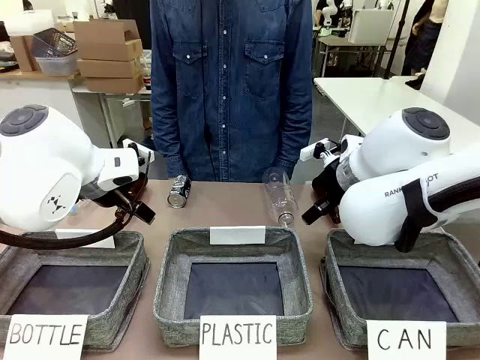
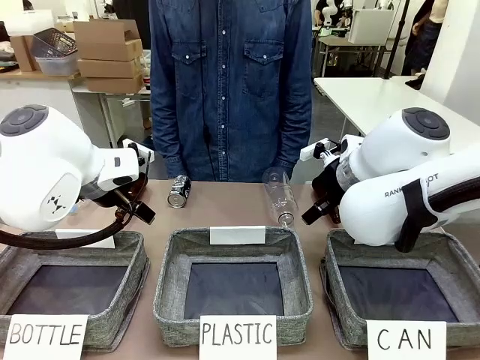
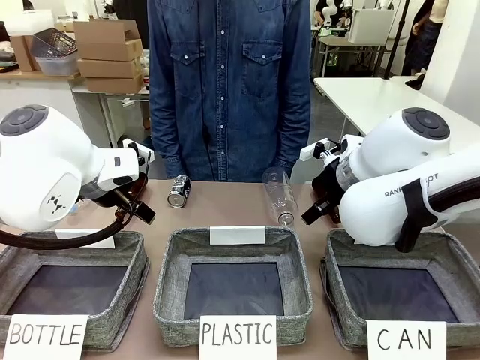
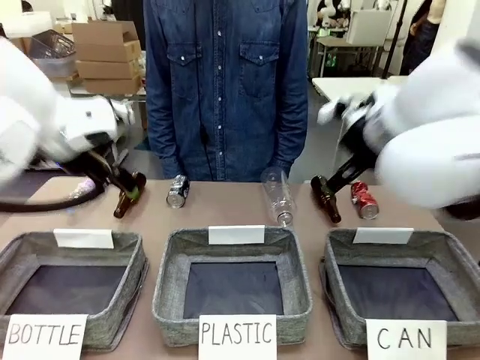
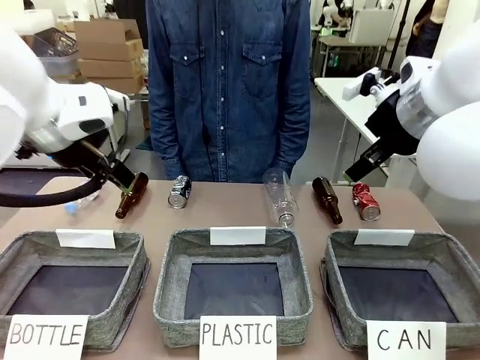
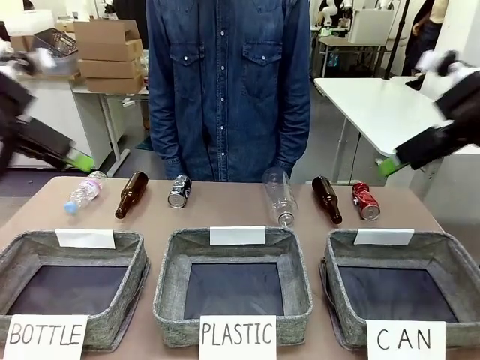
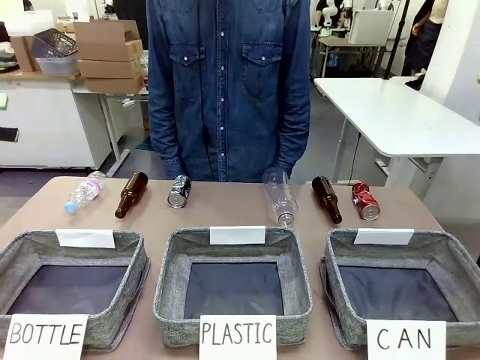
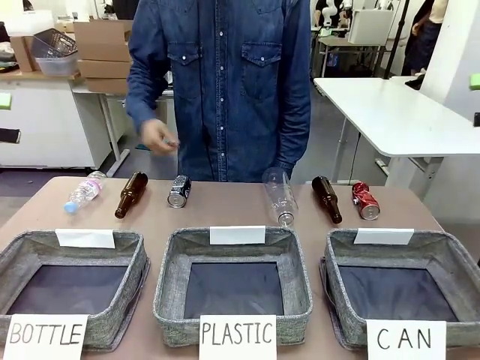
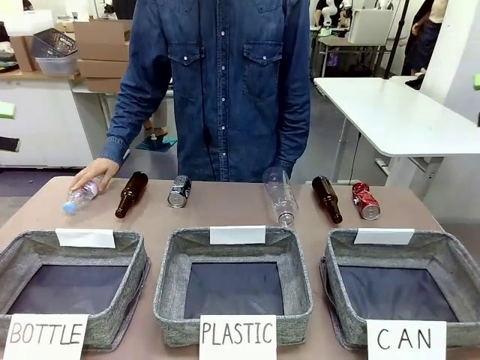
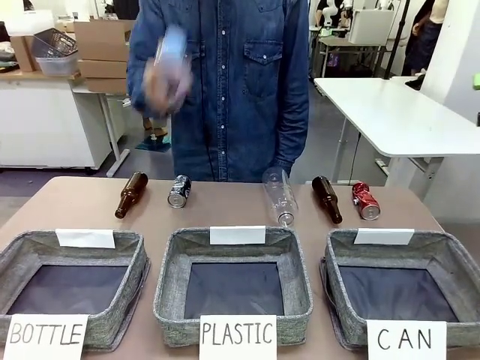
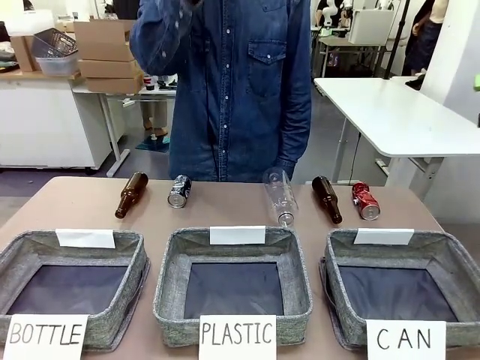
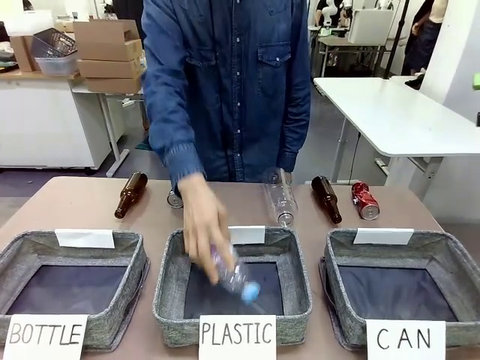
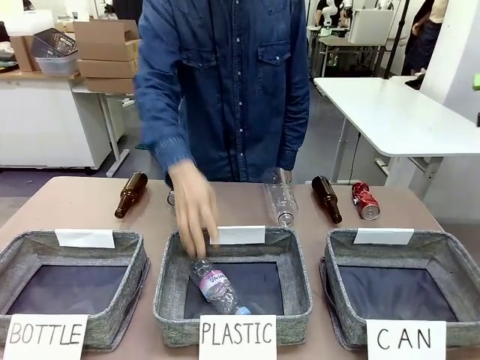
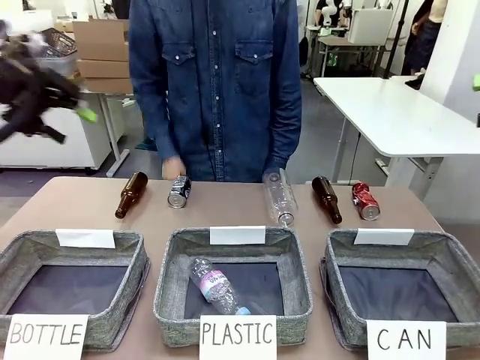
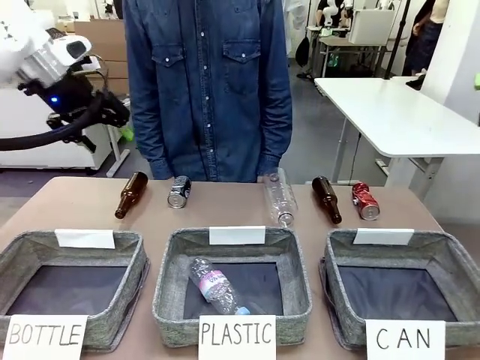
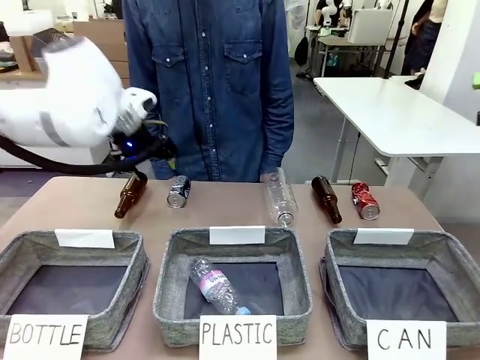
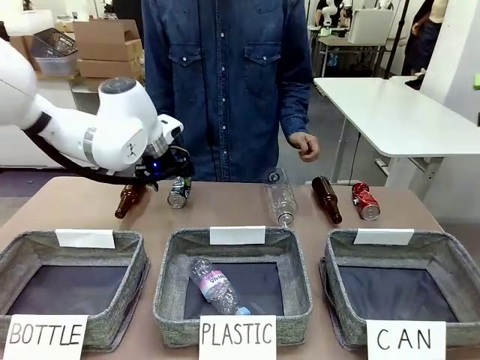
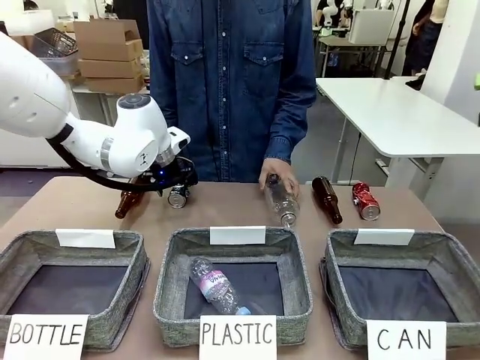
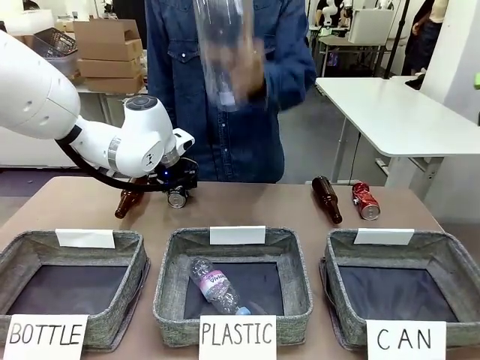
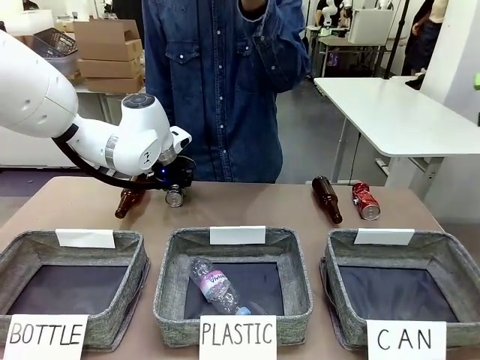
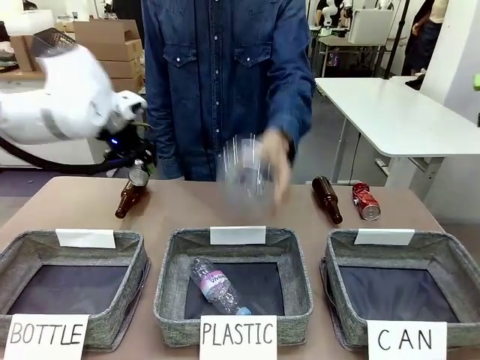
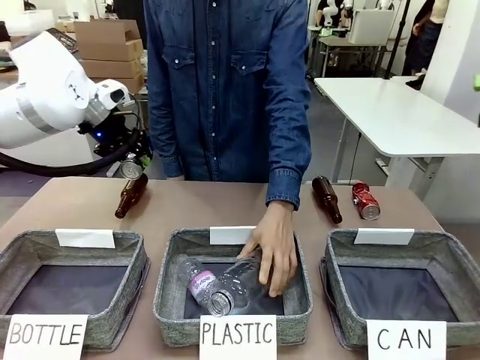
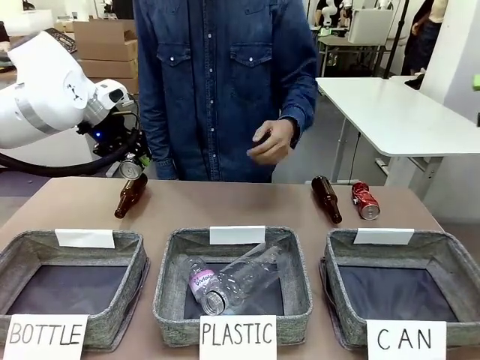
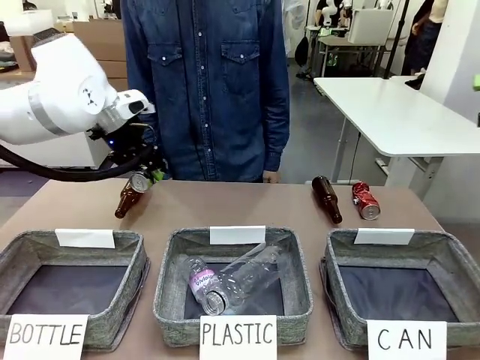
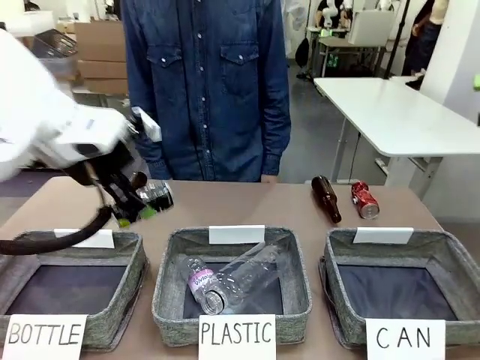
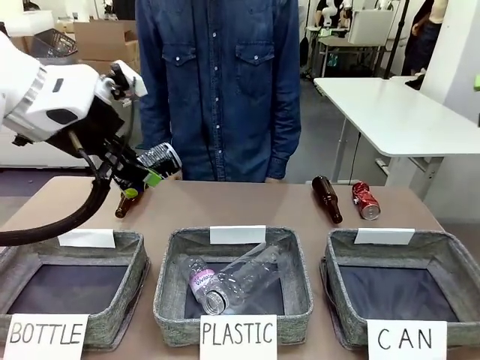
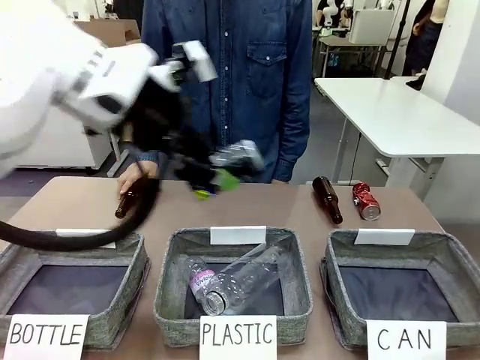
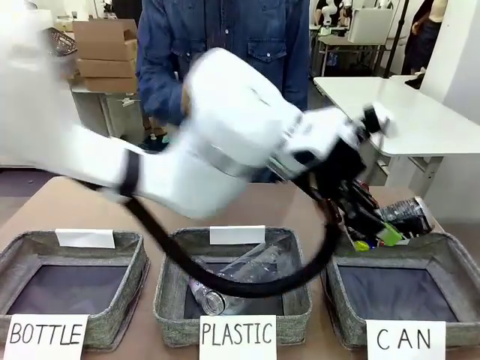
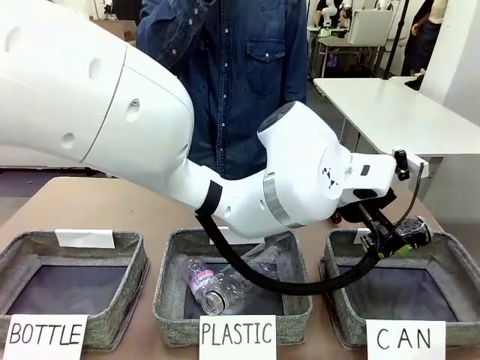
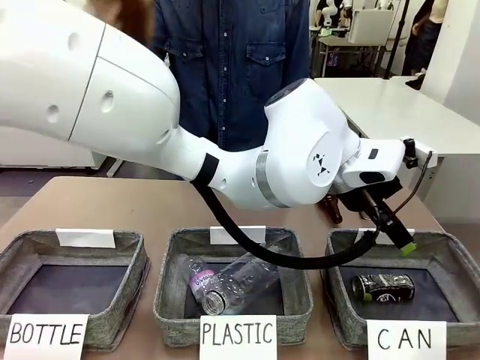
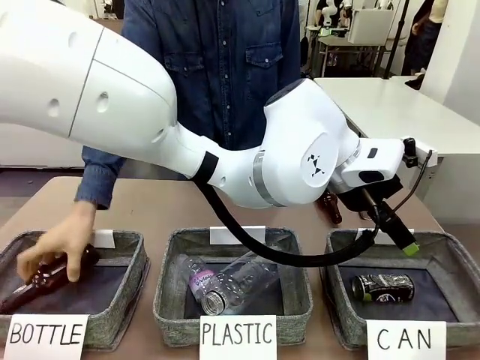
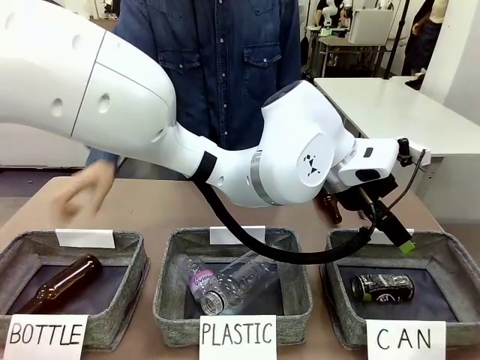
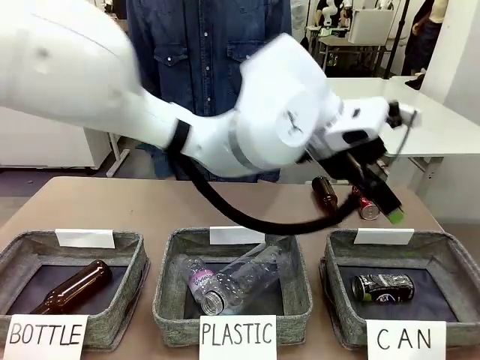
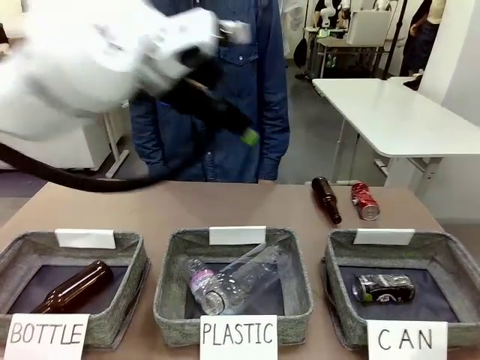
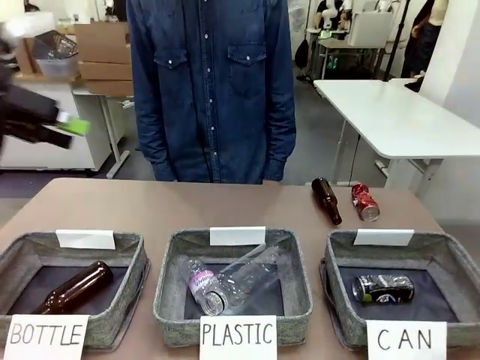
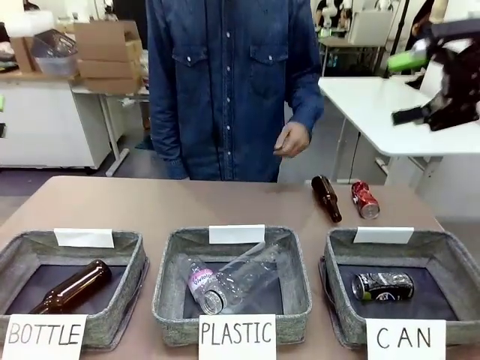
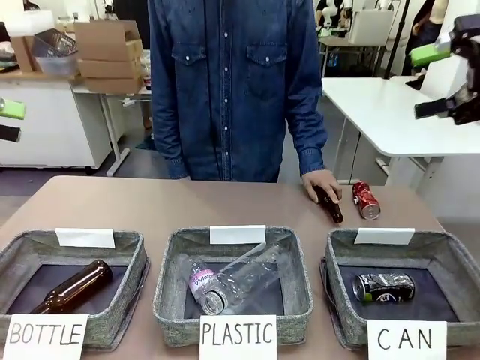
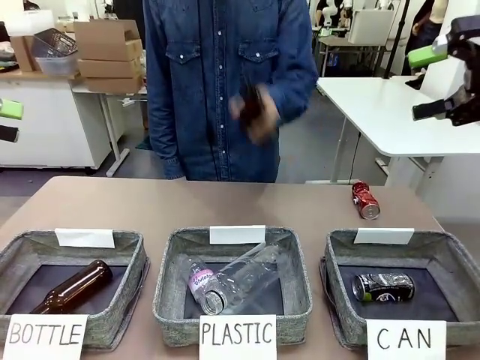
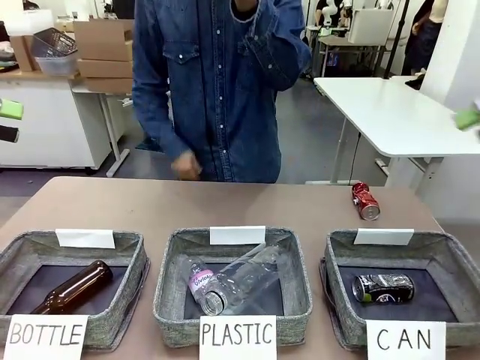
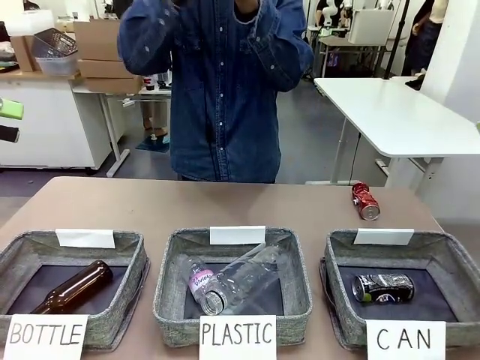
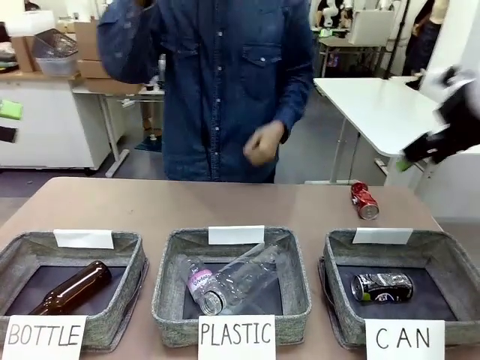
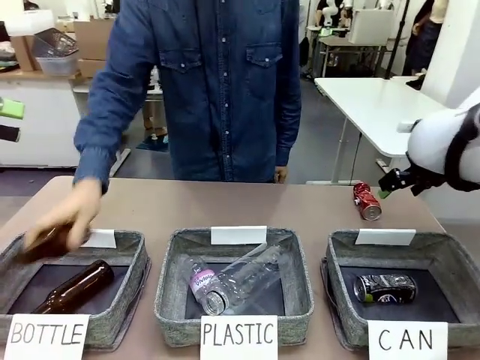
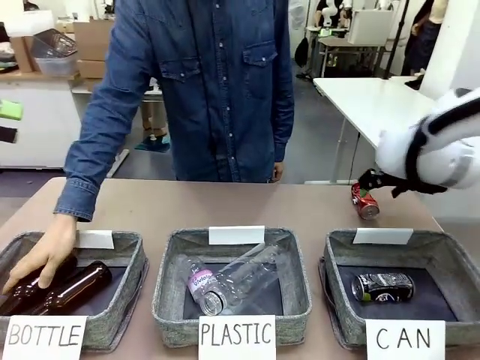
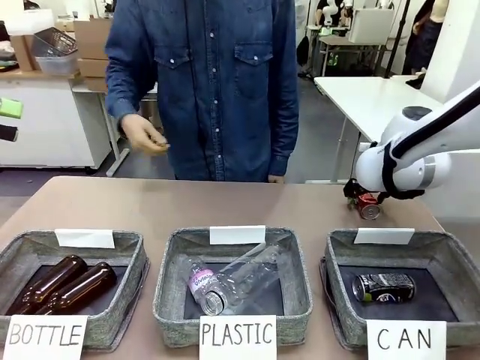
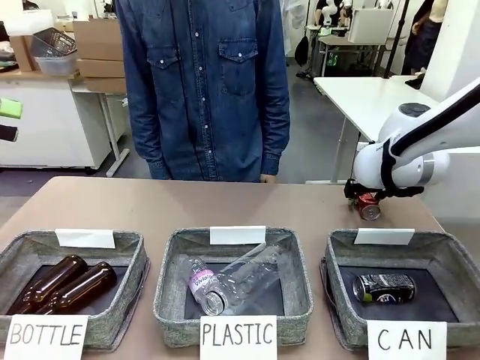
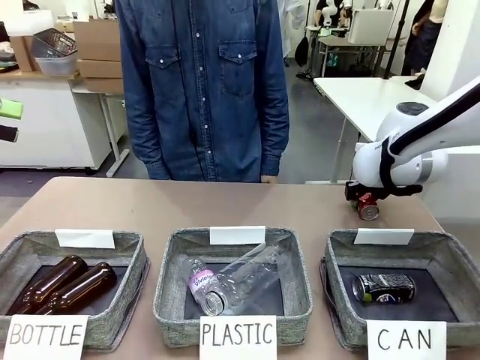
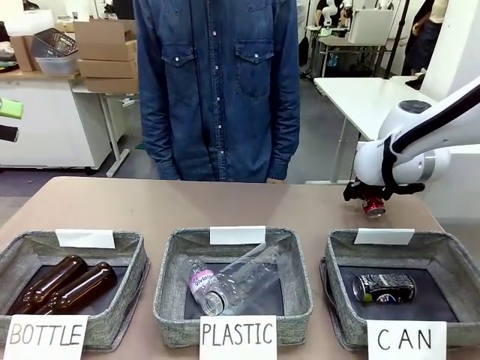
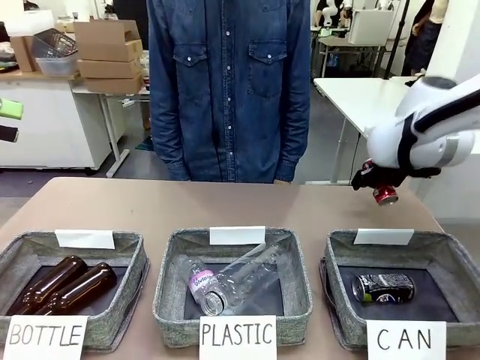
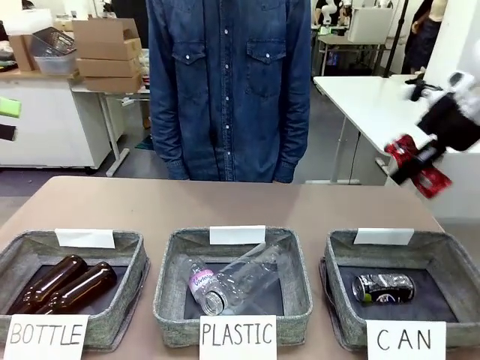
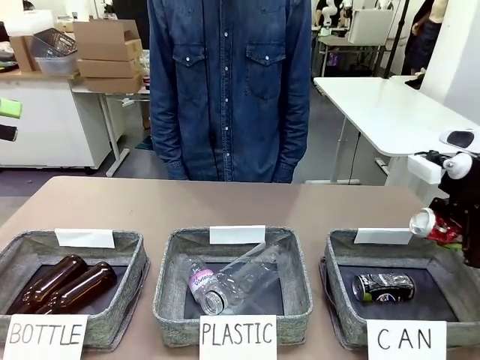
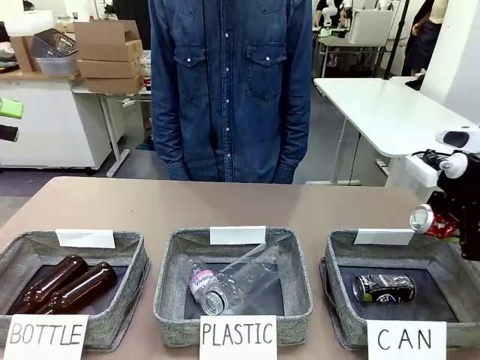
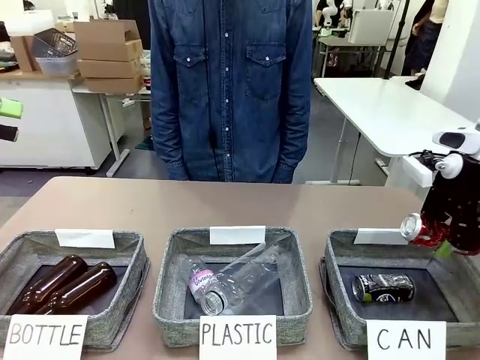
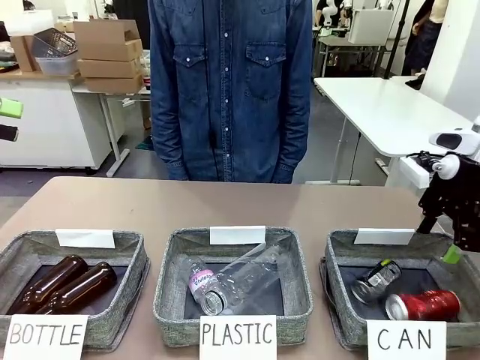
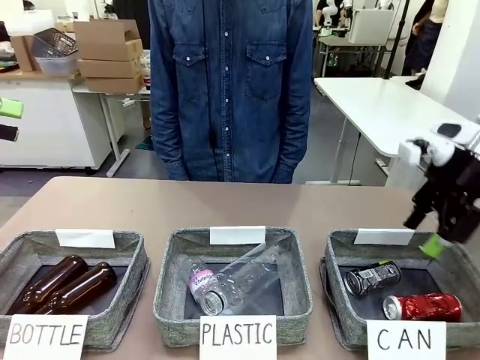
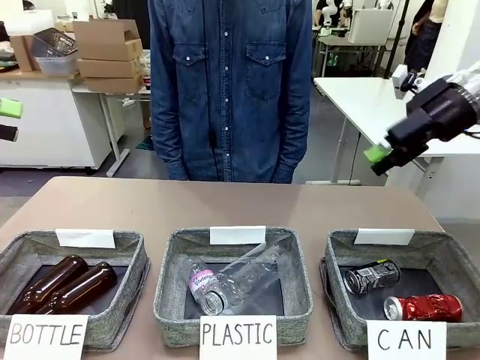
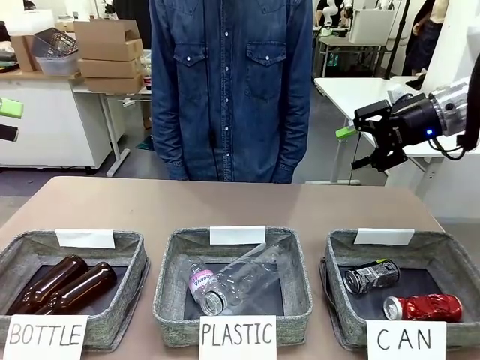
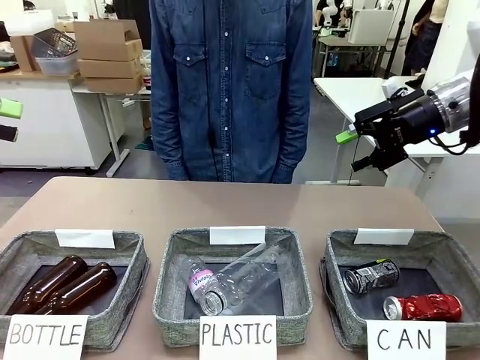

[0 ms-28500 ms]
Task: Sort the can waste into the basket.
Robot: Pick up the can waste from the table and place it in the right Fabric basket.
Person: The human picks up one piece of trash that is not a can and places the trash into the appropriate organizing basket.
